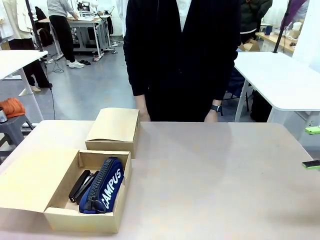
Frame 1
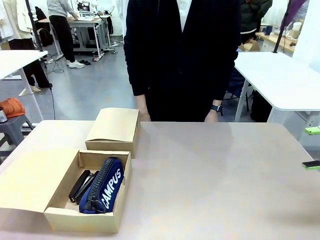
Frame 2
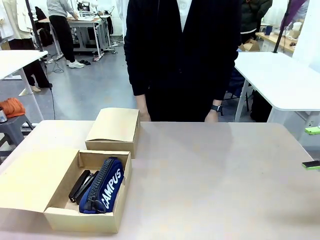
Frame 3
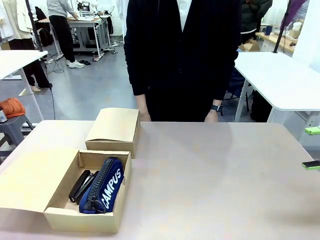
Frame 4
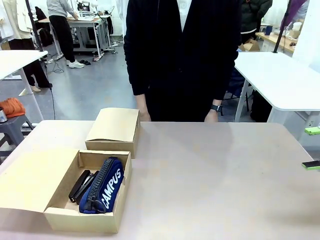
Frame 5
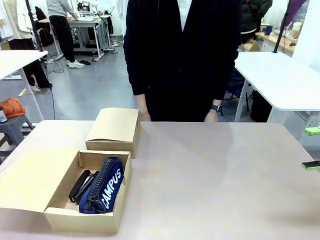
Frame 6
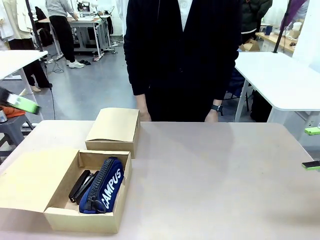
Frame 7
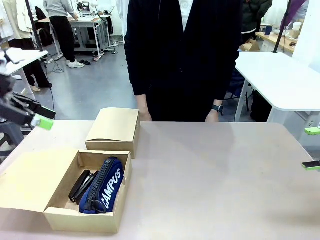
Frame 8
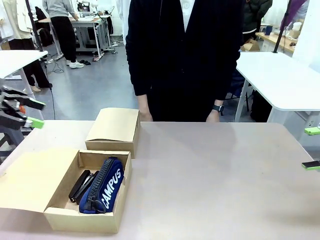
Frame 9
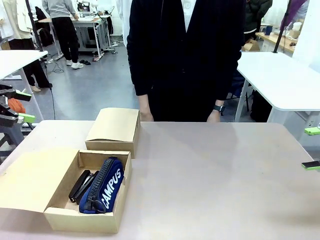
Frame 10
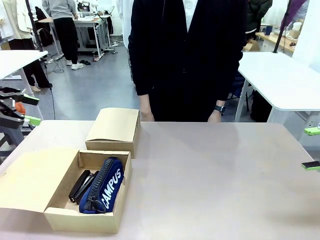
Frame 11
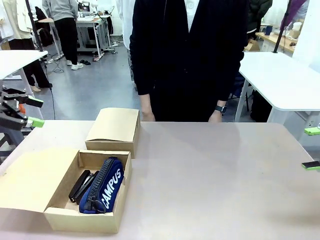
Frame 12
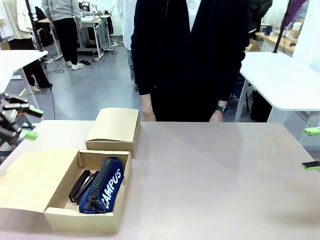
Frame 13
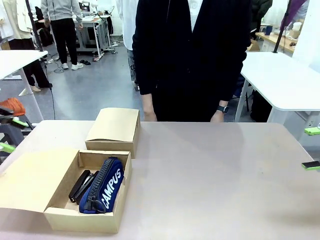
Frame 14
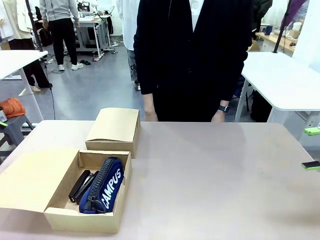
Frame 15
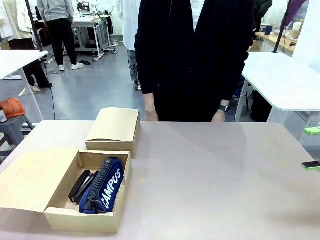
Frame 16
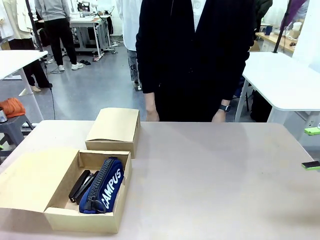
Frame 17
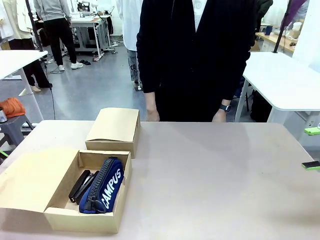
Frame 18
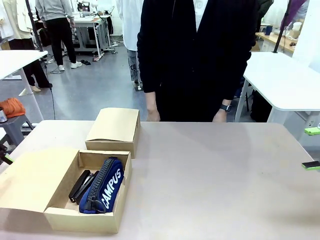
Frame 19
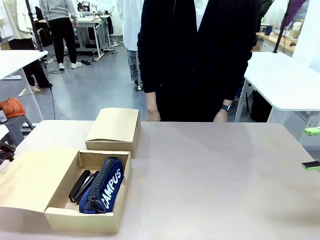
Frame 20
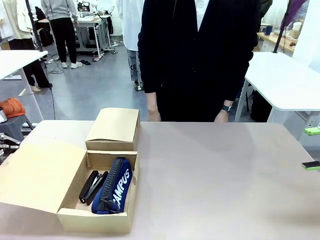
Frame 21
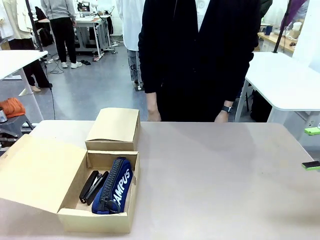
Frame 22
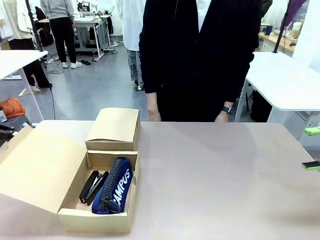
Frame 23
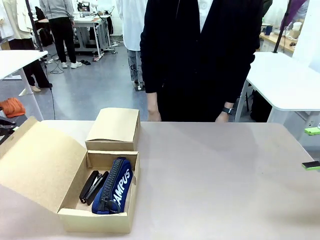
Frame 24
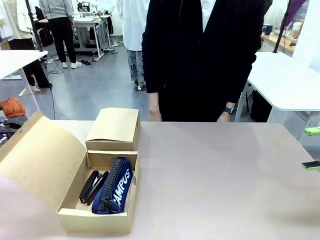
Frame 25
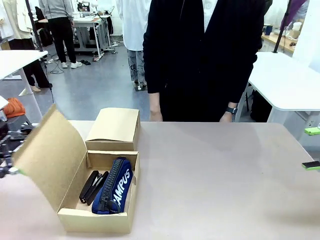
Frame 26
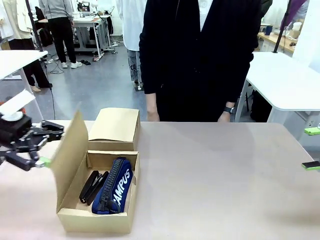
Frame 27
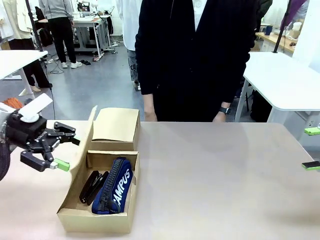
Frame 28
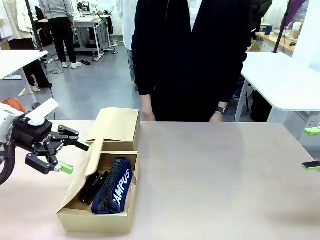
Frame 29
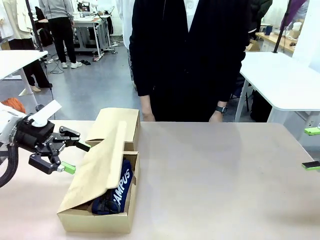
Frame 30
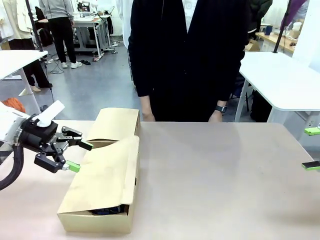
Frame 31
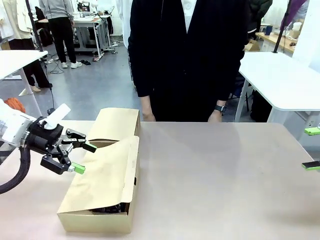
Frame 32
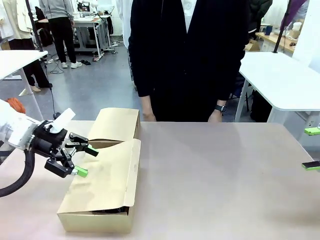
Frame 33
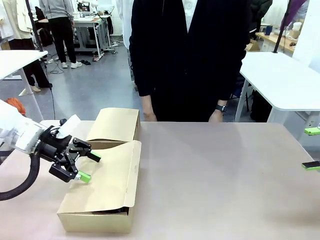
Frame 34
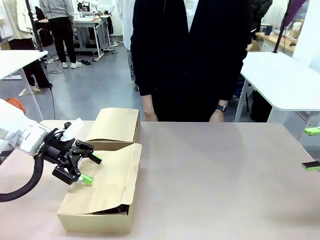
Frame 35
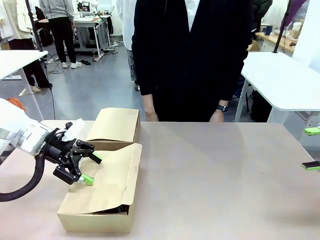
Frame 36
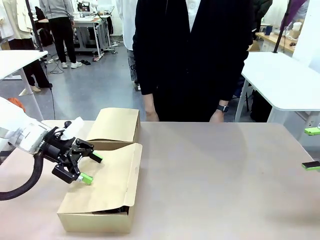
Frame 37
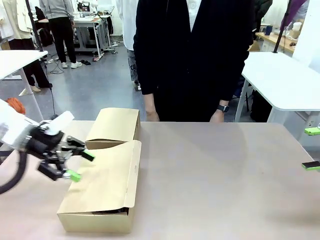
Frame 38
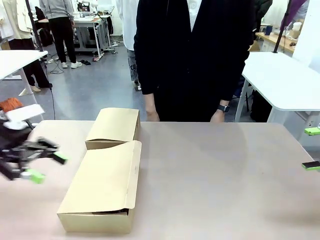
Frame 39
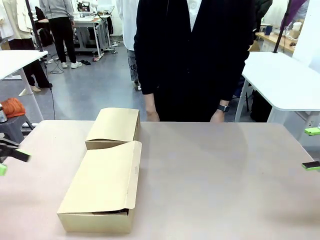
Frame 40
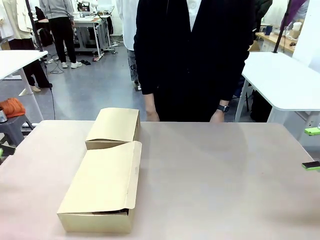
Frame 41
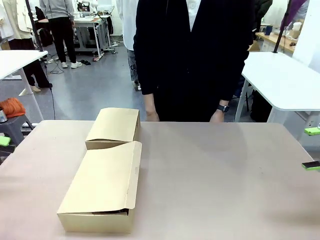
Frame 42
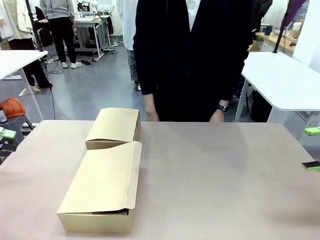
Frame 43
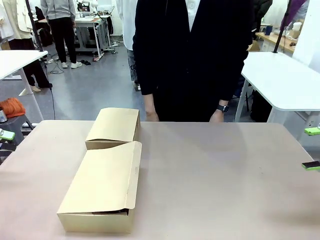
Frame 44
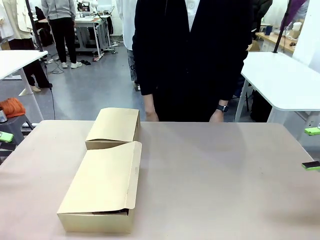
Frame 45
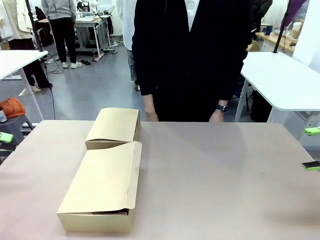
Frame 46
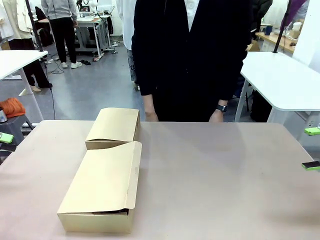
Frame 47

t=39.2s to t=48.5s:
Task: Place items inside the box.
Robot: Close the lid of the Mailer Box closest to the robot.

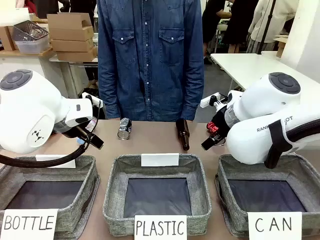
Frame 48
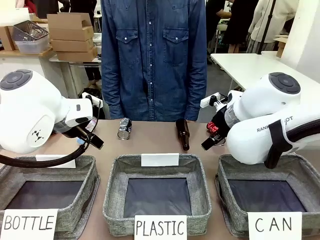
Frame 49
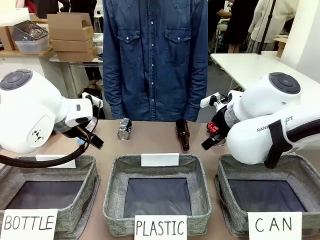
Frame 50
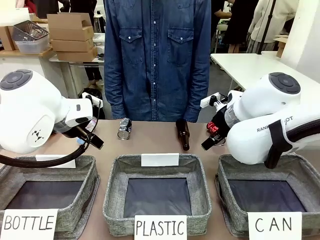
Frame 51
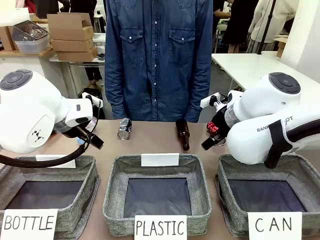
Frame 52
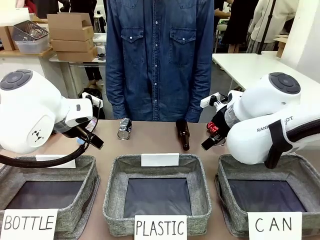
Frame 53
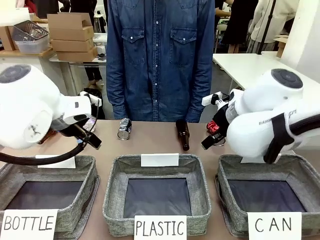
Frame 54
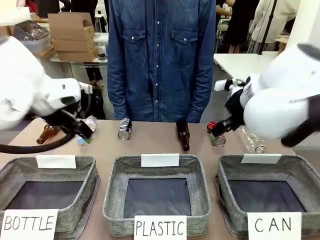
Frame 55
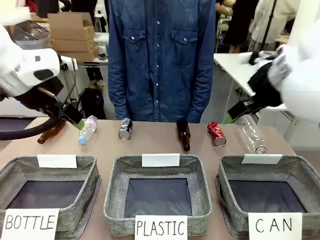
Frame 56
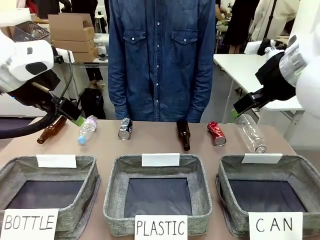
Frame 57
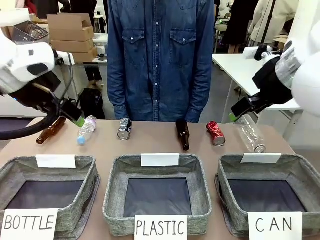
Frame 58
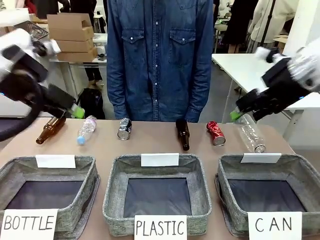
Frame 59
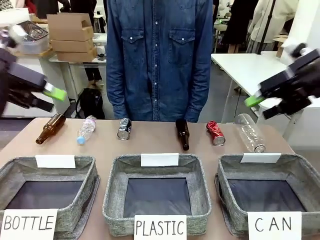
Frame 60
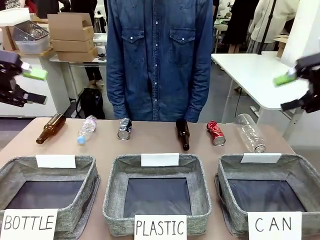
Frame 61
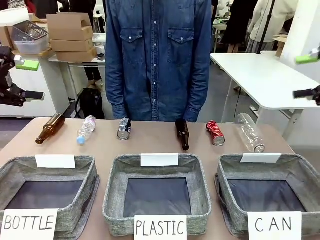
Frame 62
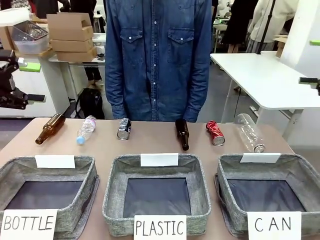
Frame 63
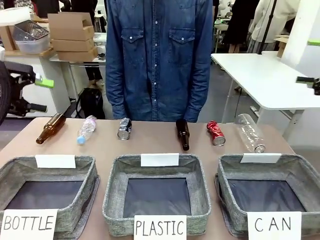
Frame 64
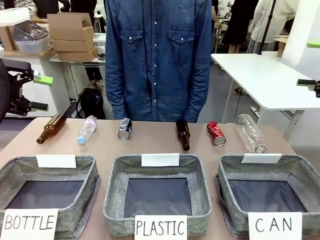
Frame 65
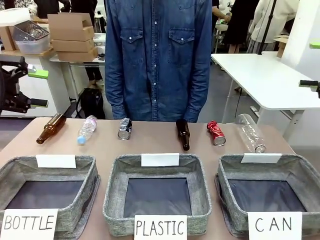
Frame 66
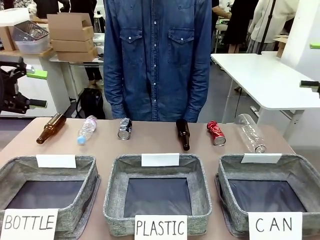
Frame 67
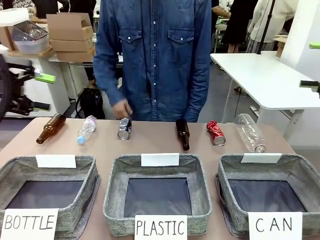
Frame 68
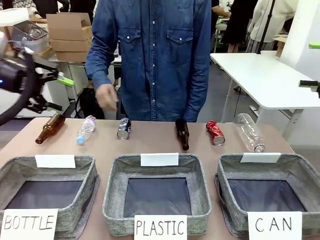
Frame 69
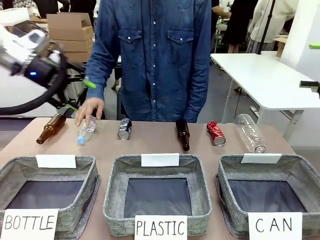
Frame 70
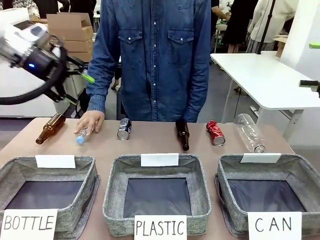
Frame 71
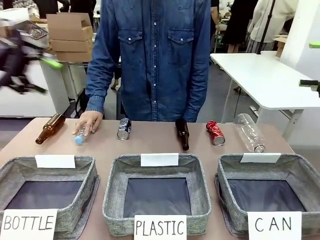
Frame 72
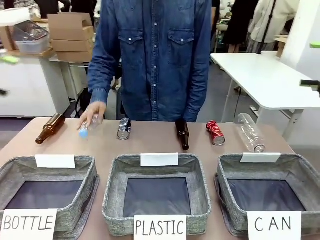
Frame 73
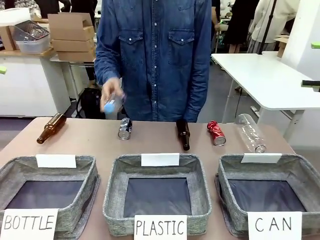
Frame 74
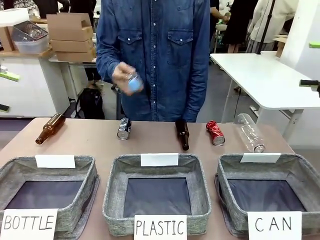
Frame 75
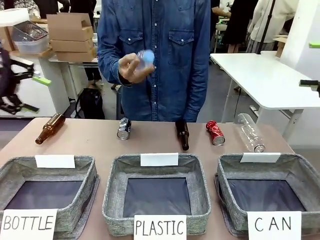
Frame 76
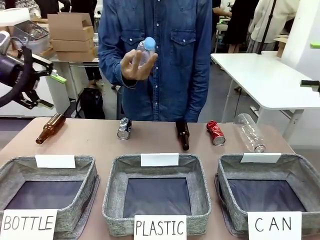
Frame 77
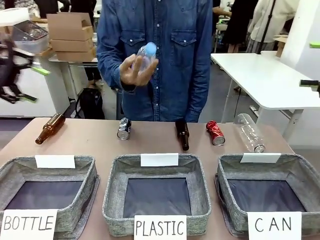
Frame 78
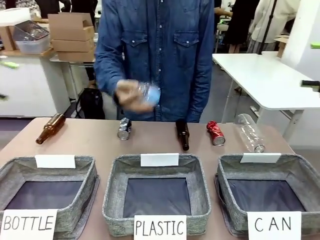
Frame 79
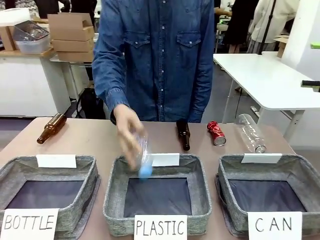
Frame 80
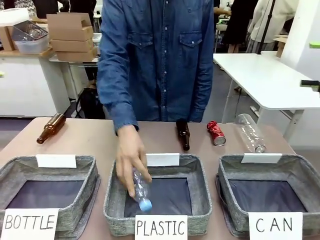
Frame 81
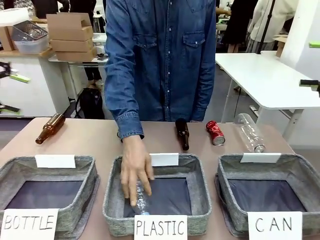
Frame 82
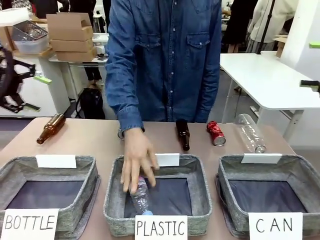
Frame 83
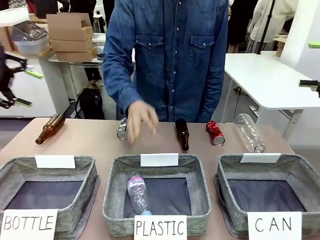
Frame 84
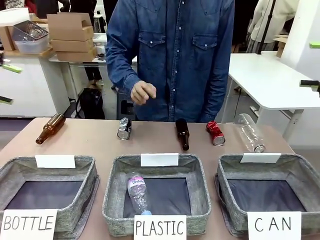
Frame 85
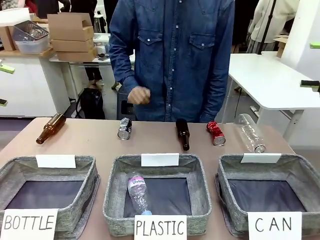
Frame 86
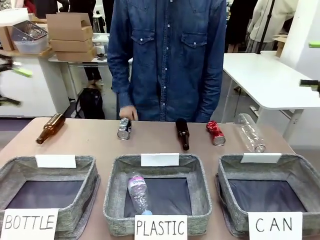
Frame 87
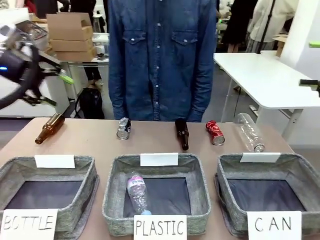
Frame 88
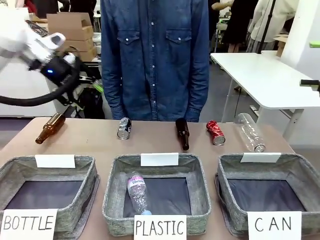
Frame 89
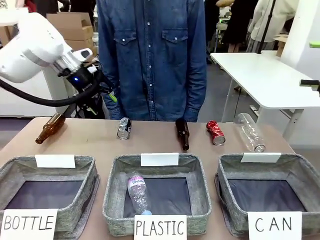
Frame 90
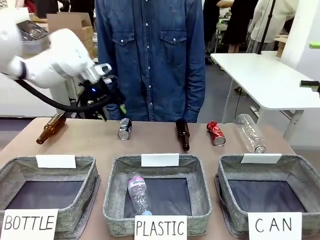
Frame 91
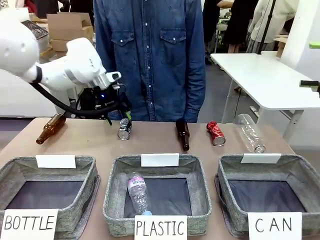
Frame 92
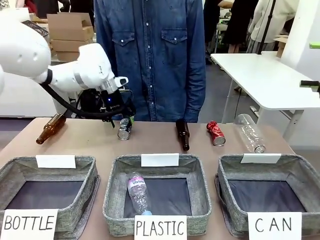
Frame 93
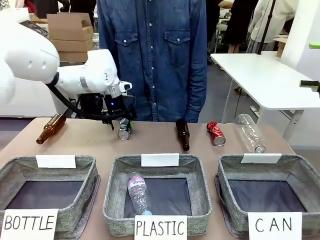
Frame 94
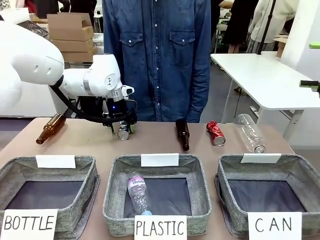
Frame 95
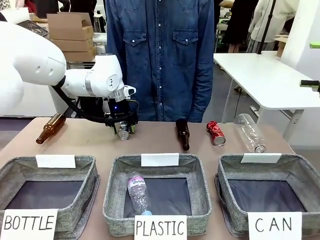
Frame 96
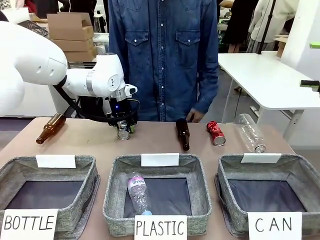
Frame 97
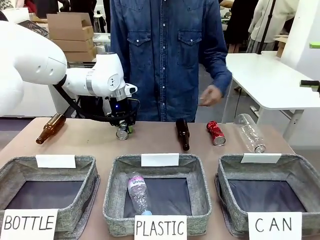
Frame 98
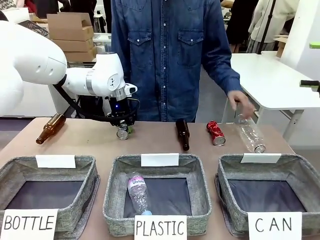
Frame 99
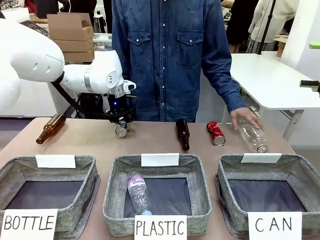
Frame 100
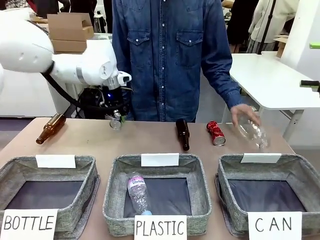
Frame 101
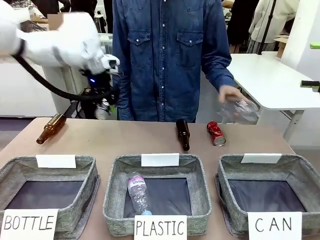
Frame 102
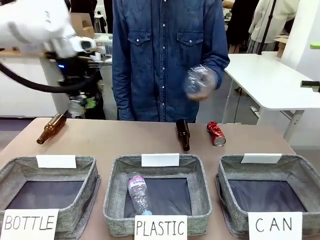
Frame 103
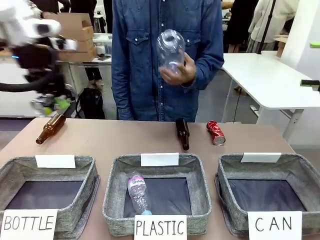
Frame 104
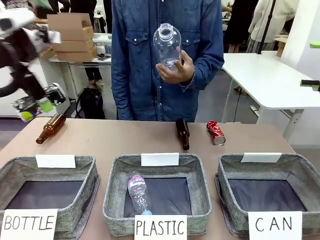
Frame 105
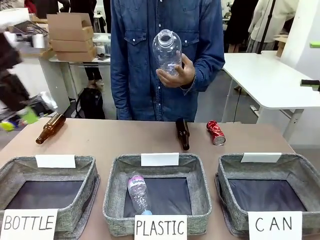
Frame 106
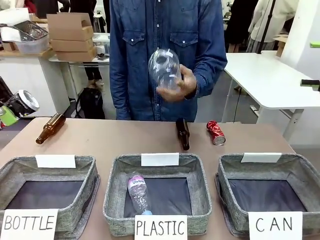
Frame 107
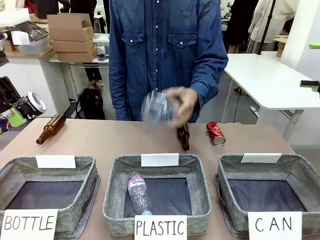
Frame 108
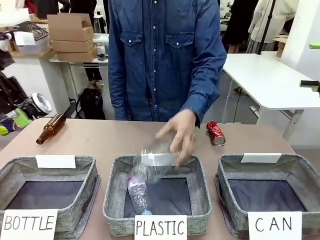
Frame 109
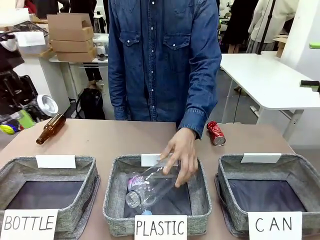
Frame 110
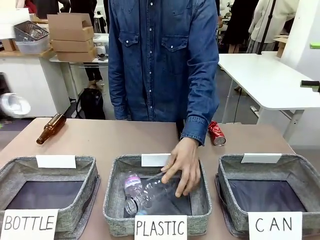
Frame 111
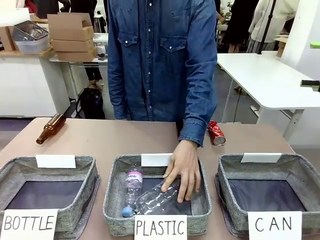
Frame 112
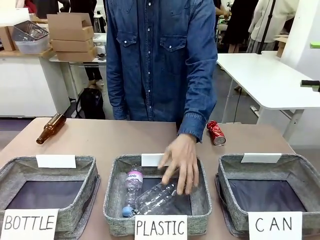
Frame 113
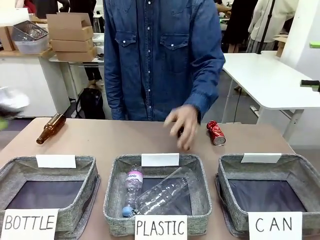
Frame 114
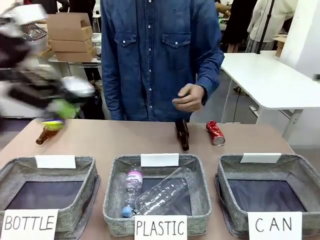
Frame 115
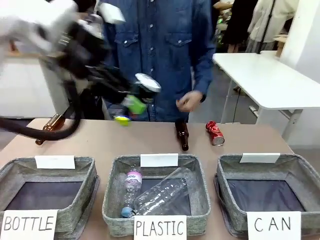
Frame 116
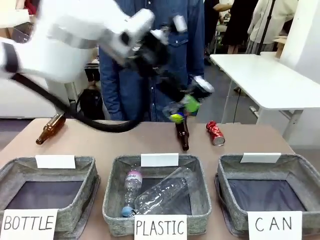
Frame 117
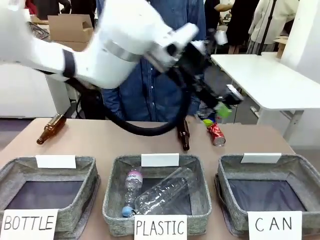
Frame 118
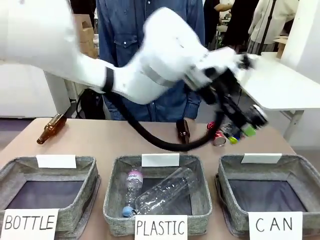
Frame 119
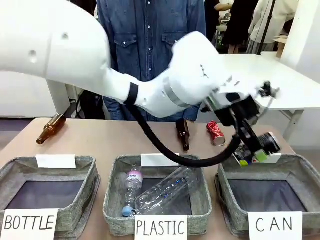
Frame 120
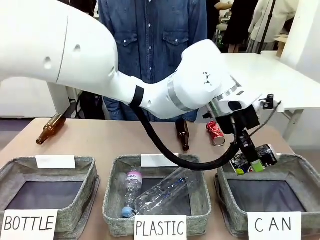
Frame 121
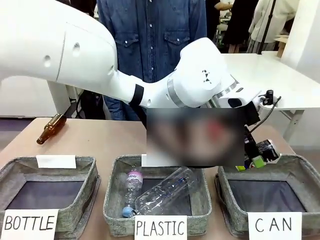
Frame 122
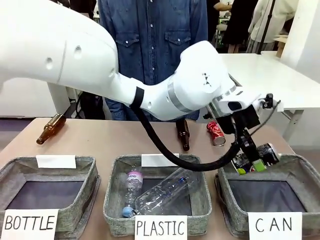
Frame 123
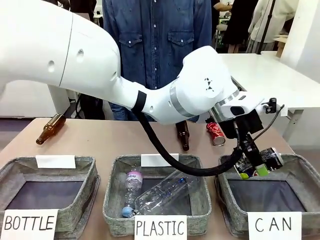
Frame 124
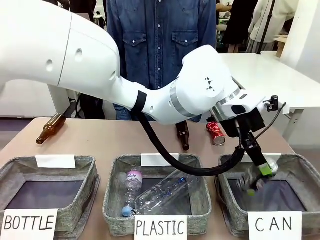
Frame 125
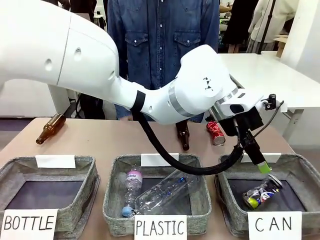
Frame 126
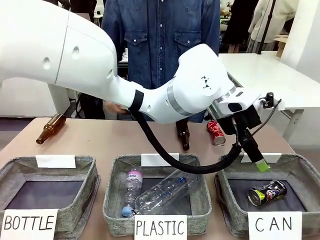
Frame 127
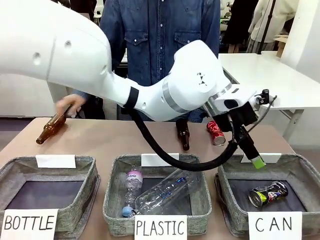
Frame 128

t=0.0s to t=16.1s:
Task: Sort the can waste into the basket.
Robot: Pick up the can waste from the table and place it in the right Fabric basket.
